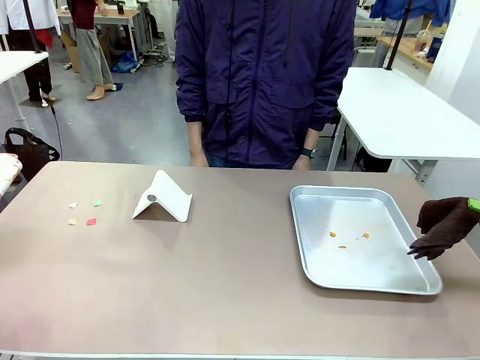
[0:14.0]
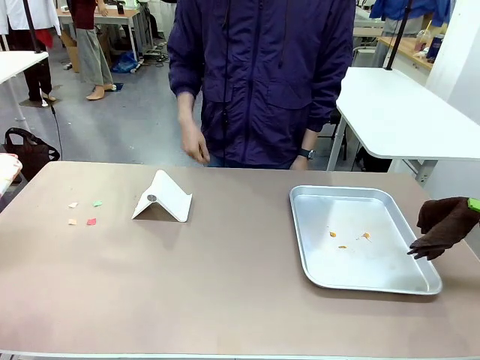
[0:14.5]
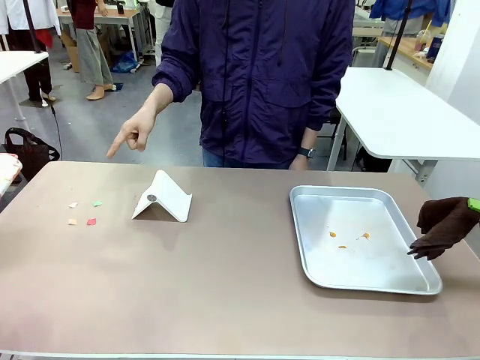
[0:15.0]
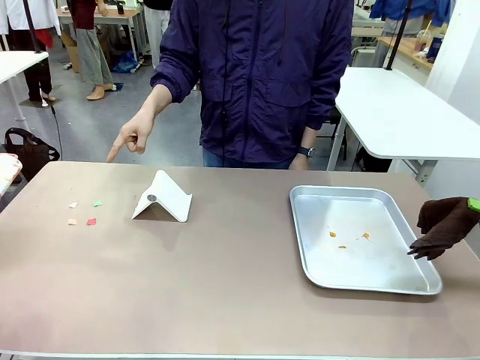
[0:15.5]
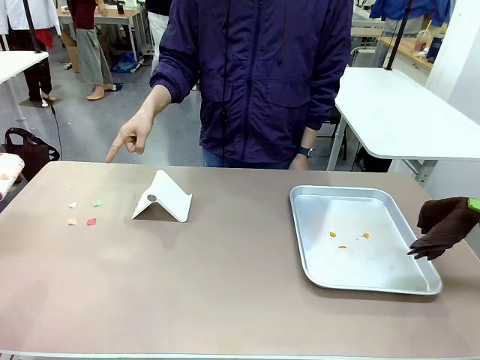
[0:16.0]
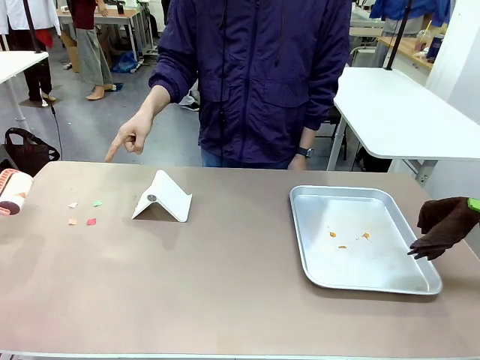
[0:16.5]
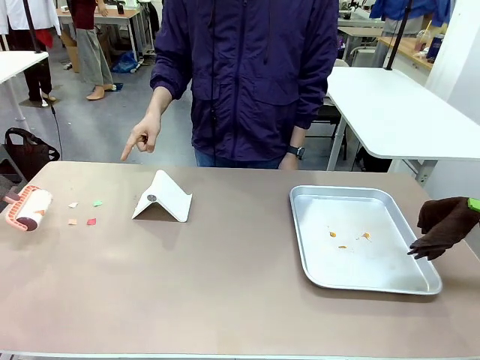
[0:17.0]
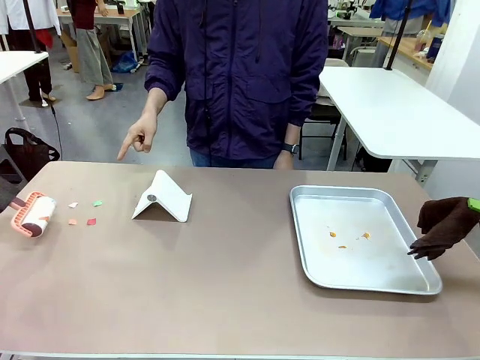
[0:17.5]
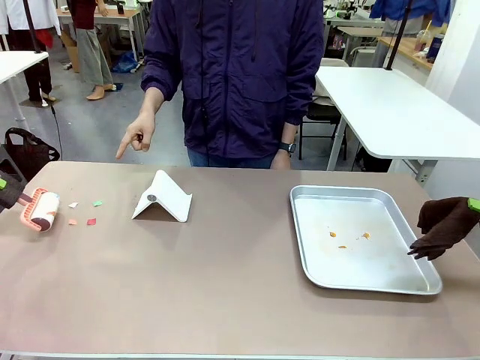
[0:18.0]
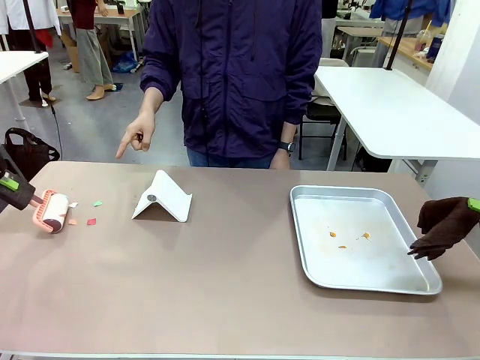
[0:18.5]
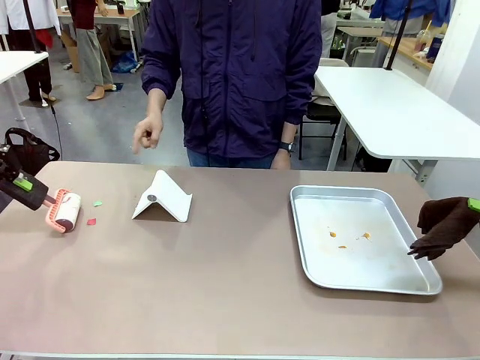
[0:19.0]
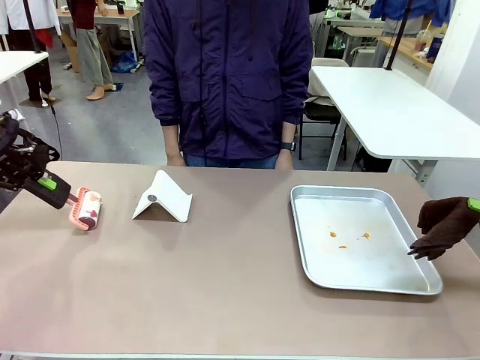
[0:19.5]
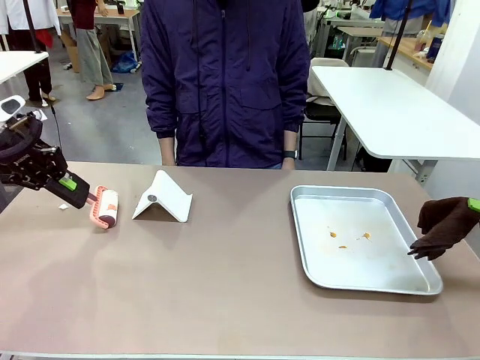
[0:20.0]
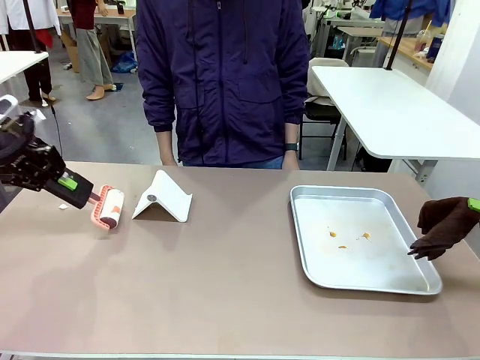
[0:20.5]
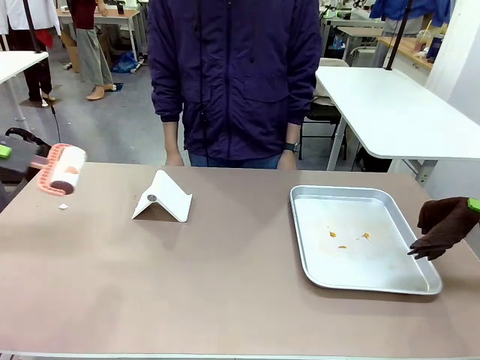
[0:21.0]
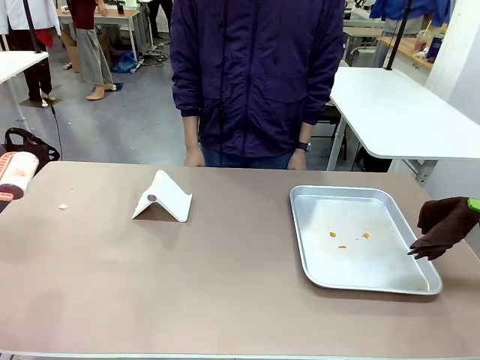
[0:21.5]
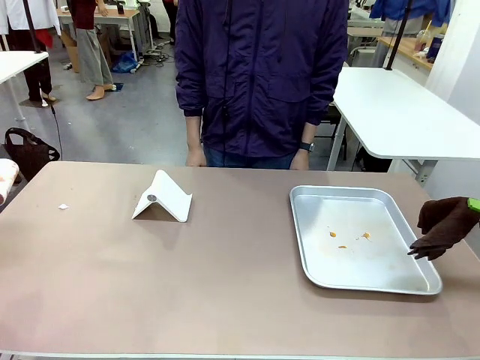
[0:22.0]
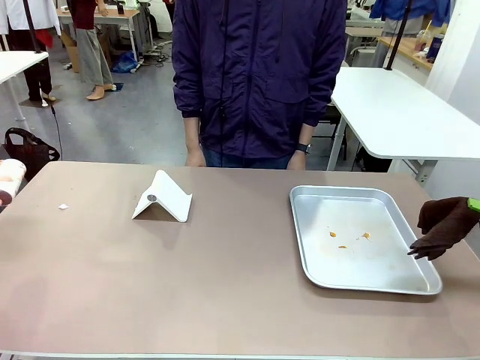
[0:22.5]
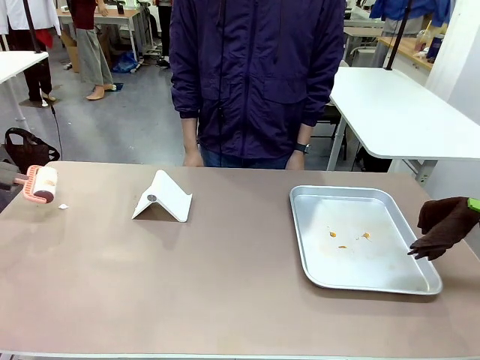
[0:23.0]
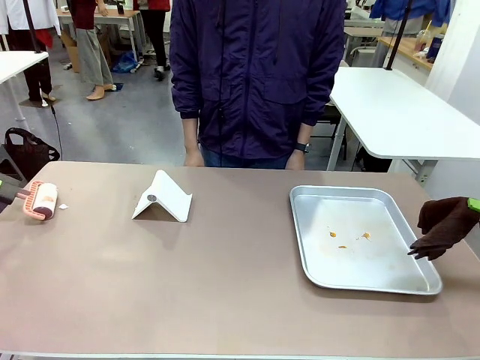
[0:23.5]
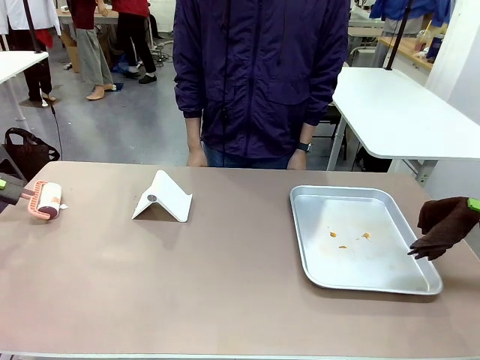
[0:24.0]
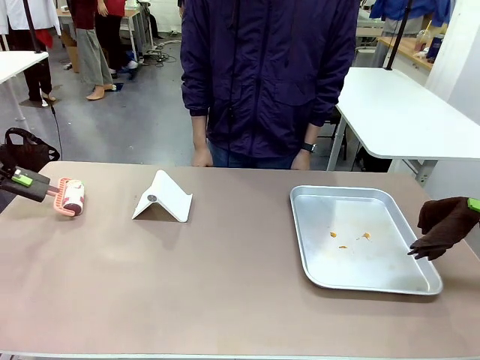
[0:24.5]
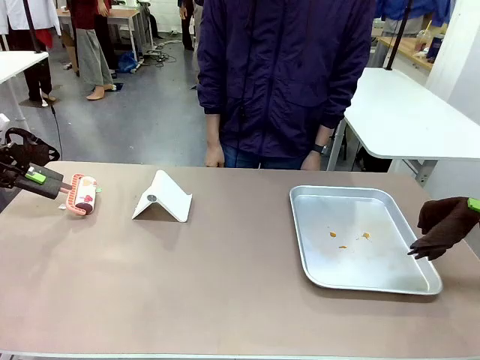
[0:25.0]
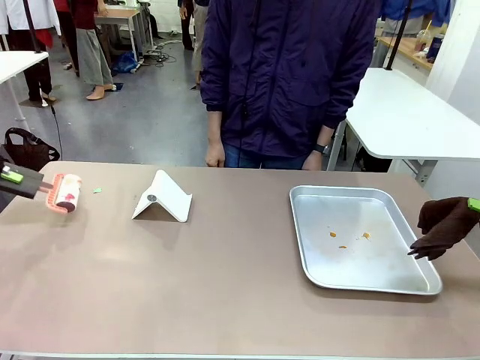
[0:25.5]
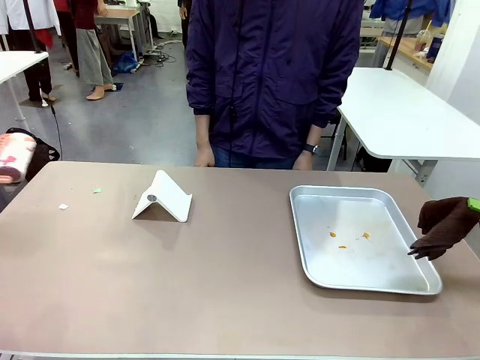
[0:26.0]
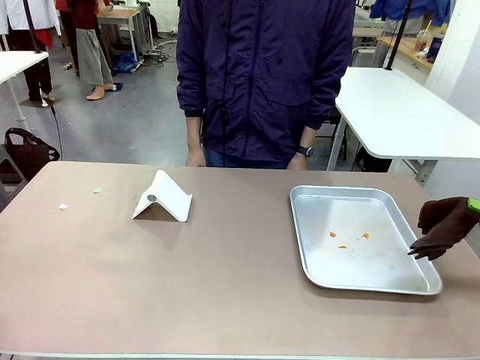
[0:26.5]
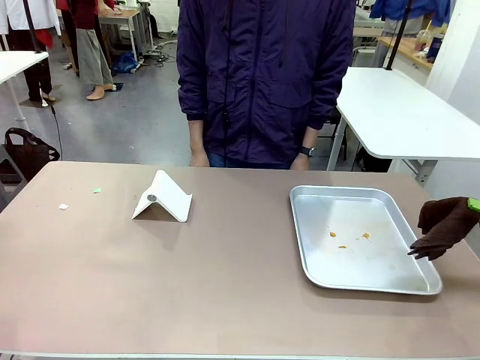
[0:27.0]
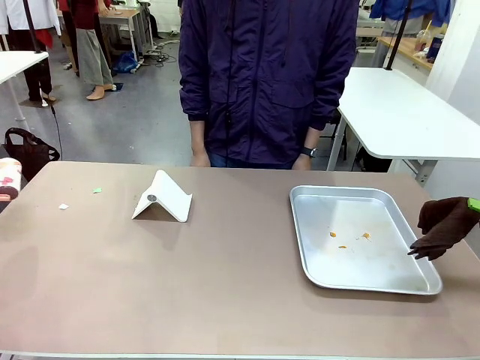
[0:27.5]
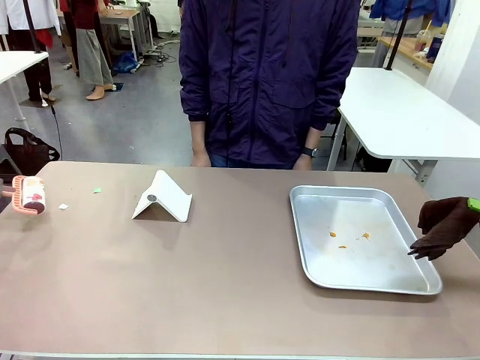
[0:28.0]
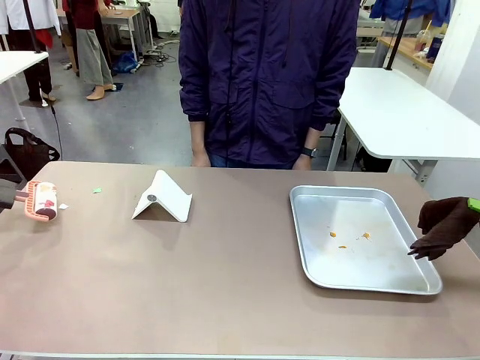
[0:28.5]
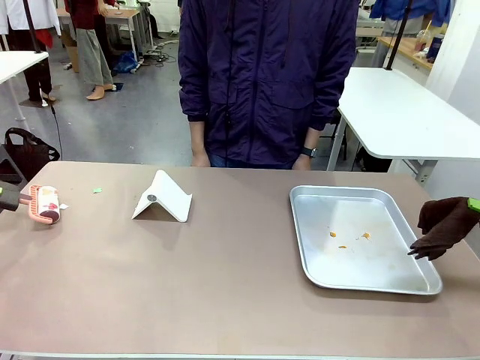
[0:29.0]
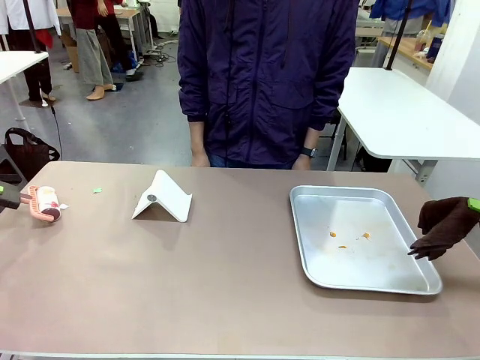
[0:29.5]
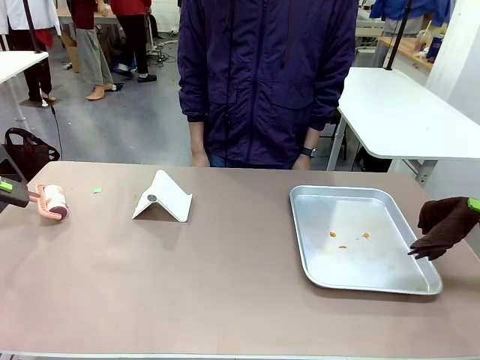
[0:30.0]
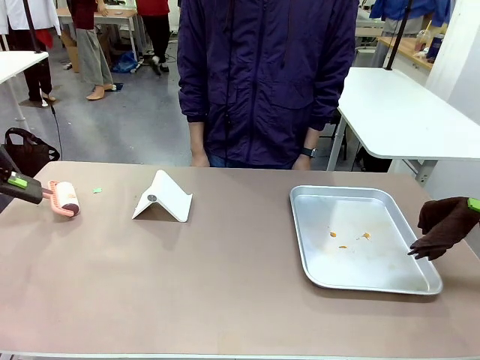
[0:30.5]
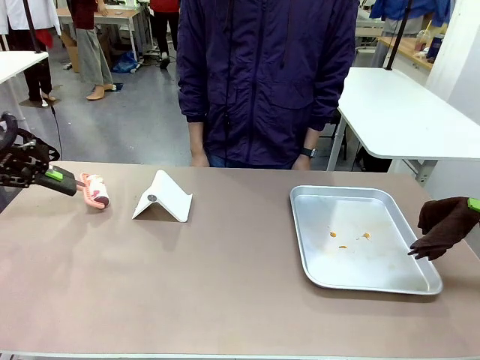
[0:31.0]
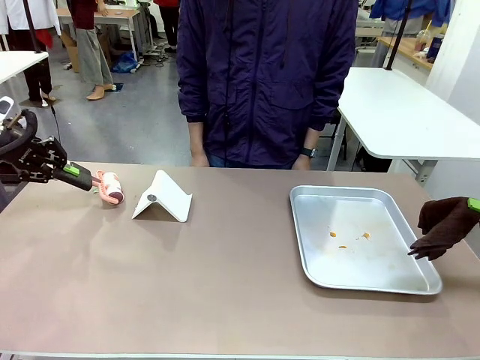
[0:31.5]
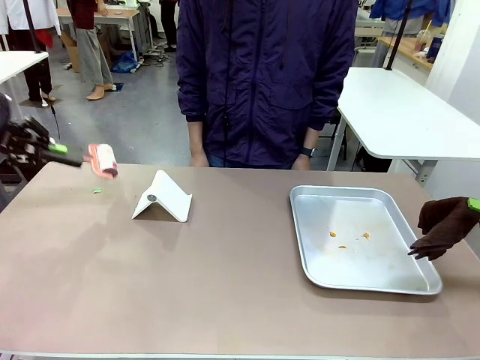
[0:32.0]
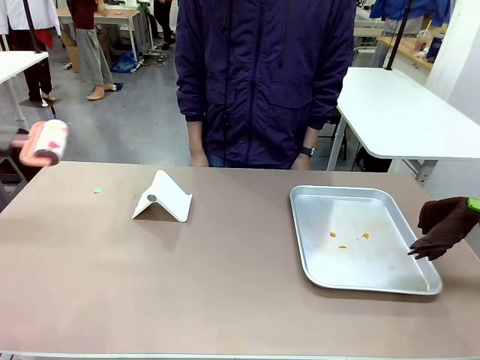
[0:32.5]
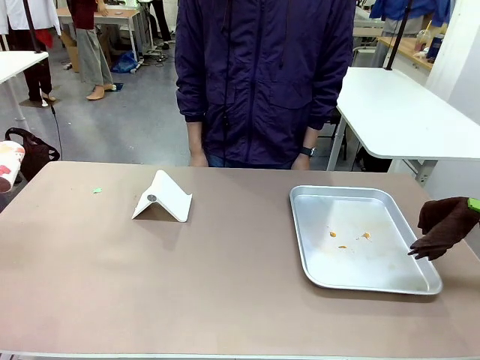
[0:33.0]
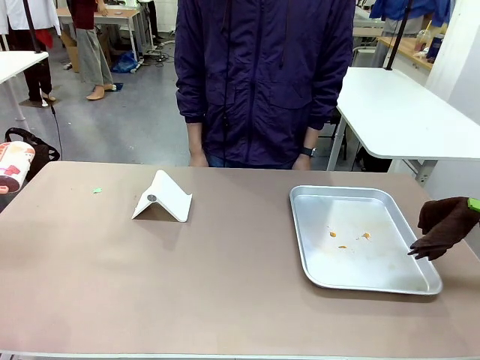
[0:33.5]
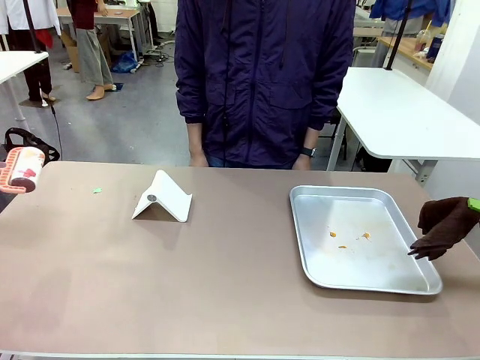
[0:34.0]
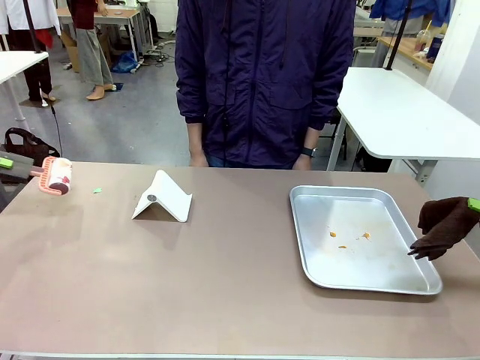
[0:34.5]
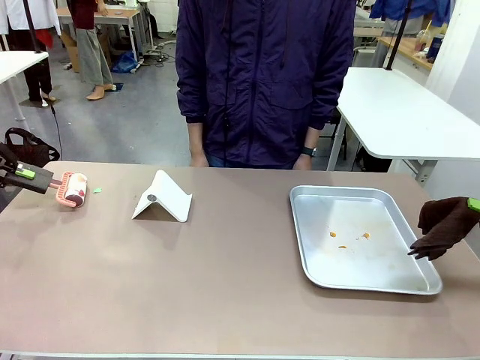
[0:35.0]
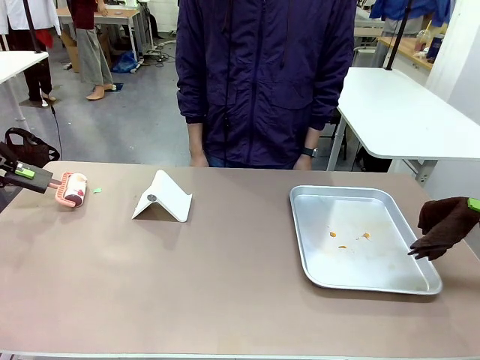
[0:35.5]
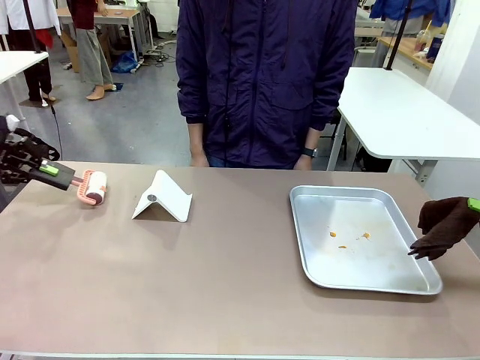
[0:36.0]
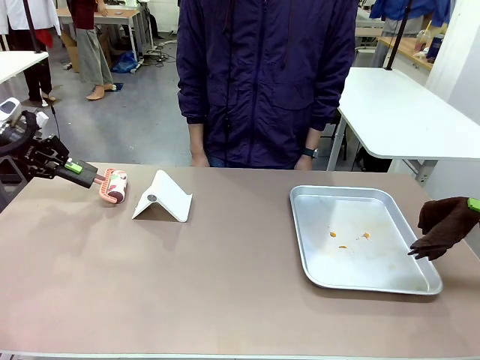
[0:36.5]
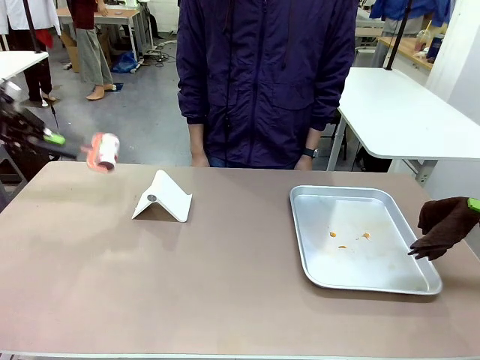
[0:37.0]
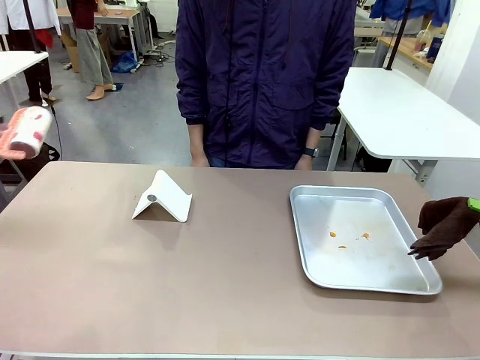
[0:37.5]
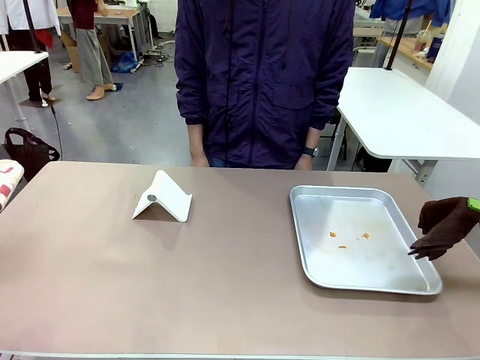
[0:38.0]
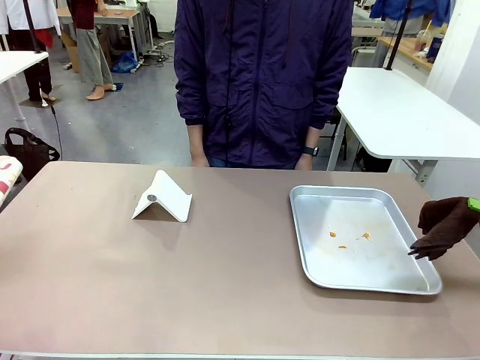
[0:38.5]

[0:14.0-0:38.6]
Task: Clean the surface of the table.
Robot: If a person points to the right, clean the right side of the table with your right hand, and if they point to the left, clean the left side with your left hand.
